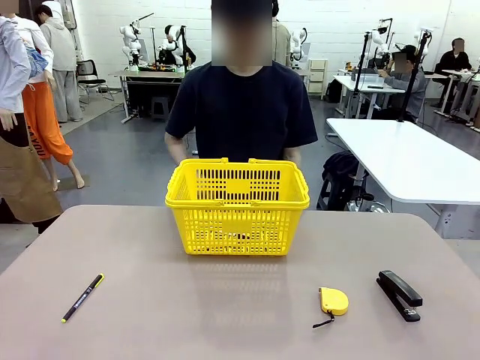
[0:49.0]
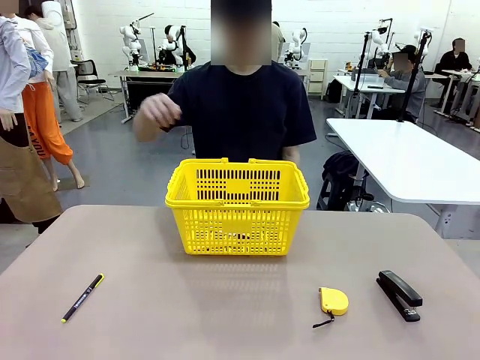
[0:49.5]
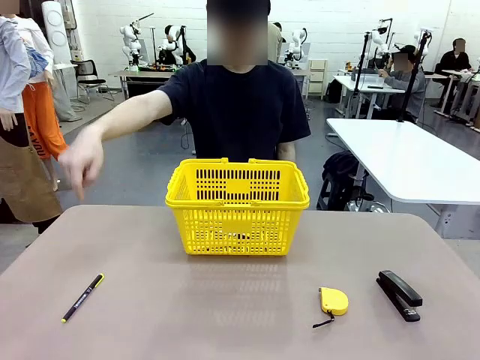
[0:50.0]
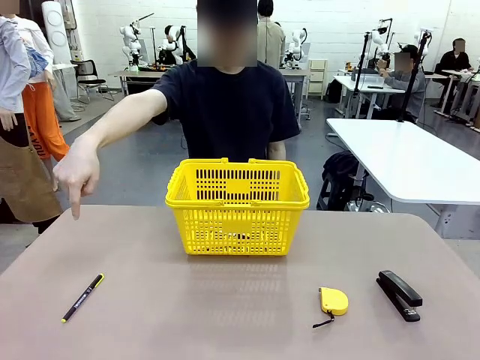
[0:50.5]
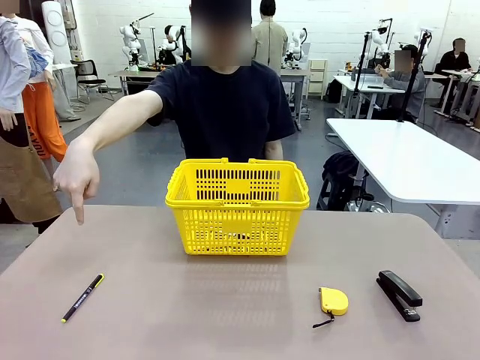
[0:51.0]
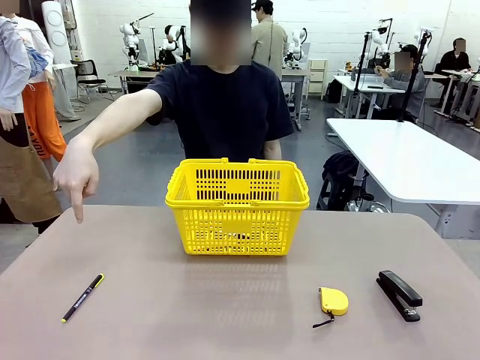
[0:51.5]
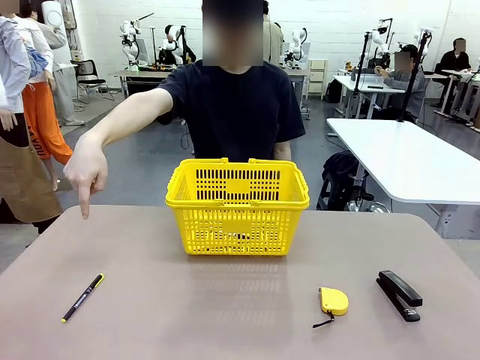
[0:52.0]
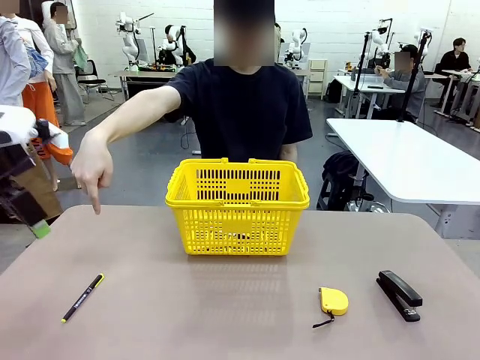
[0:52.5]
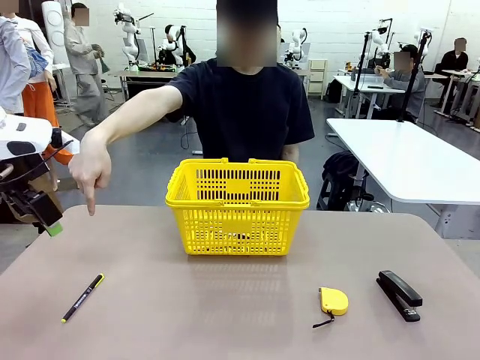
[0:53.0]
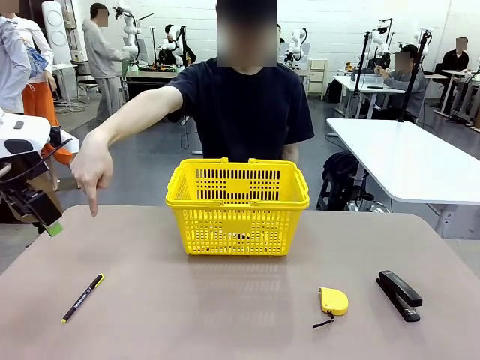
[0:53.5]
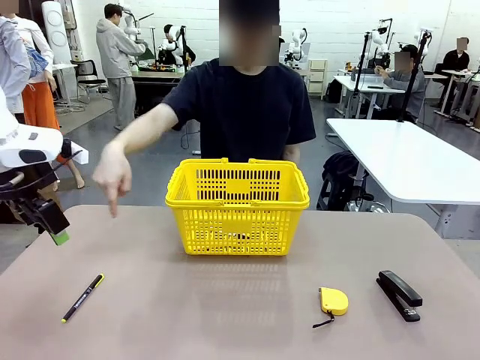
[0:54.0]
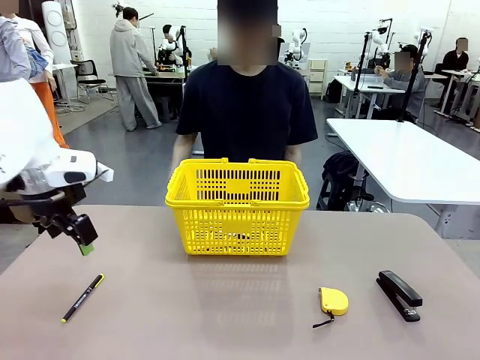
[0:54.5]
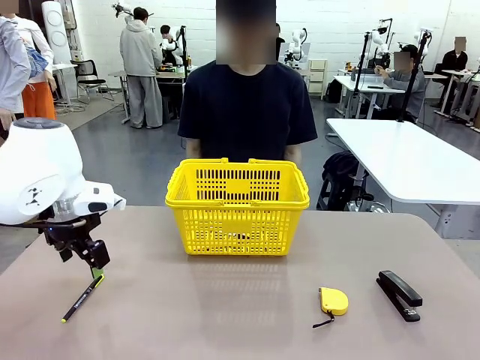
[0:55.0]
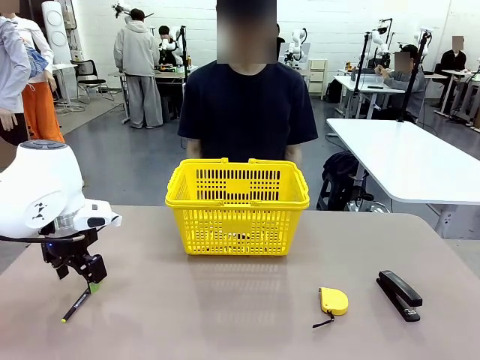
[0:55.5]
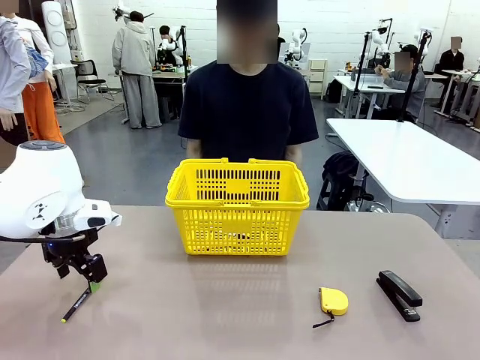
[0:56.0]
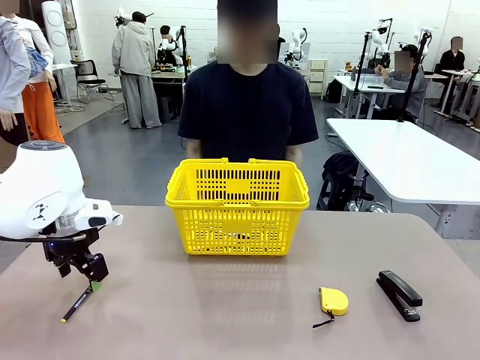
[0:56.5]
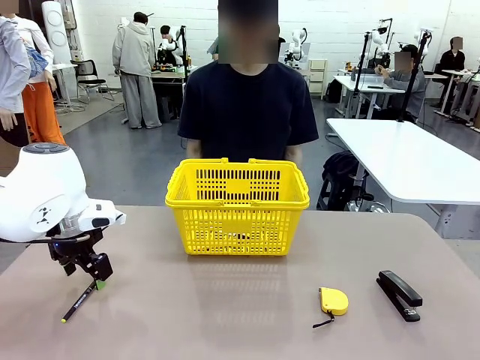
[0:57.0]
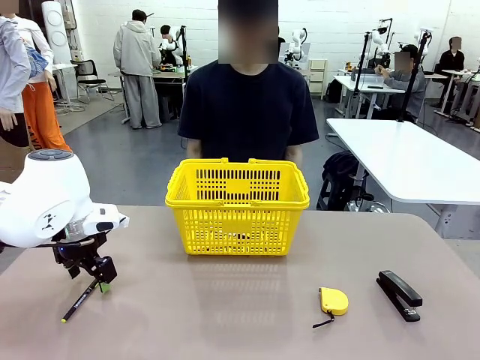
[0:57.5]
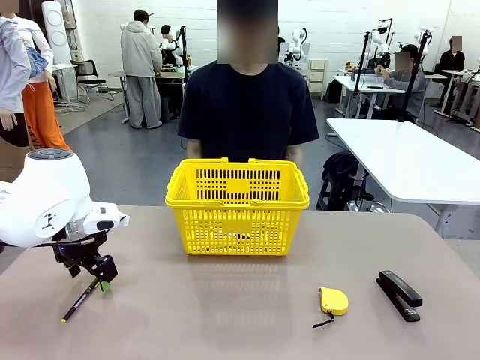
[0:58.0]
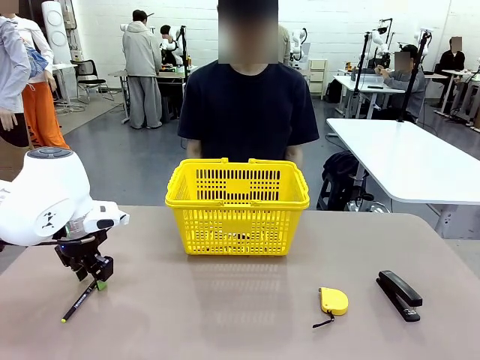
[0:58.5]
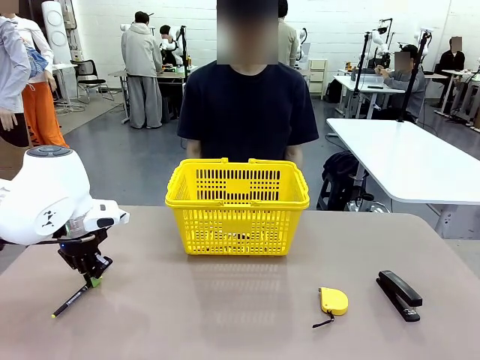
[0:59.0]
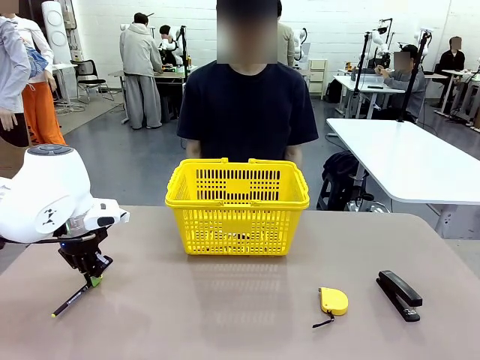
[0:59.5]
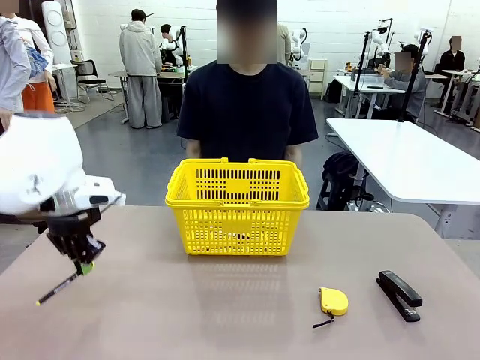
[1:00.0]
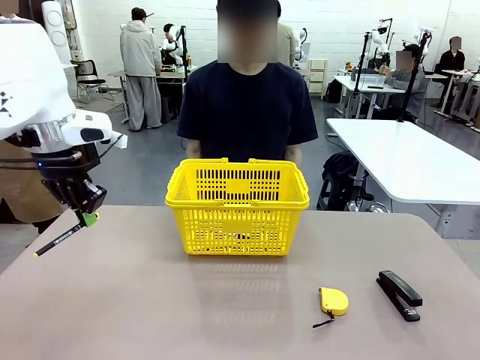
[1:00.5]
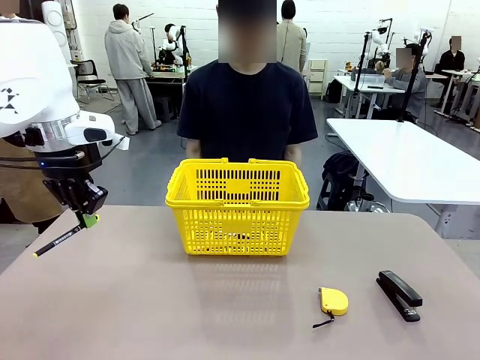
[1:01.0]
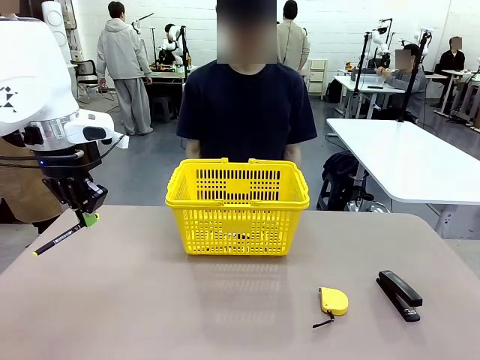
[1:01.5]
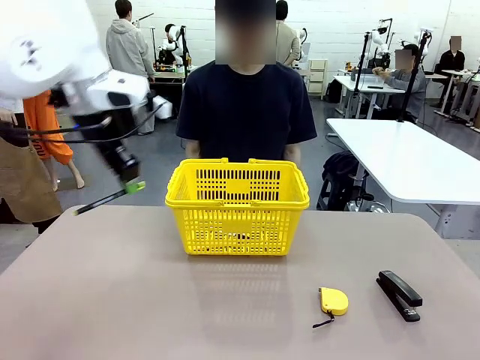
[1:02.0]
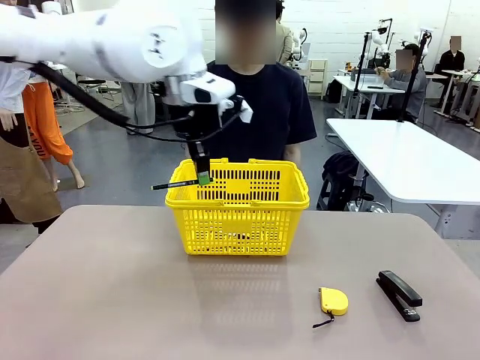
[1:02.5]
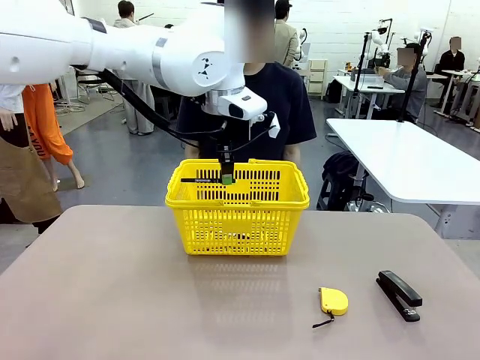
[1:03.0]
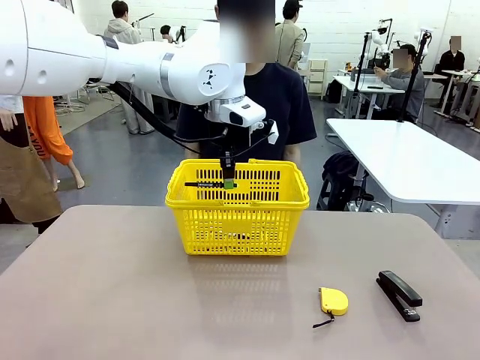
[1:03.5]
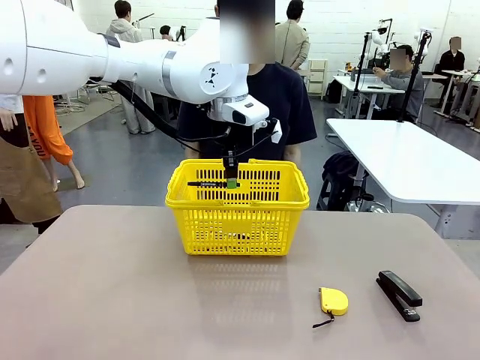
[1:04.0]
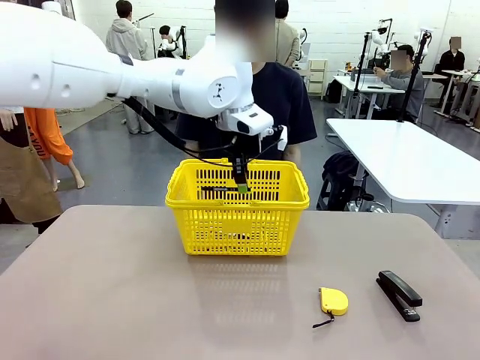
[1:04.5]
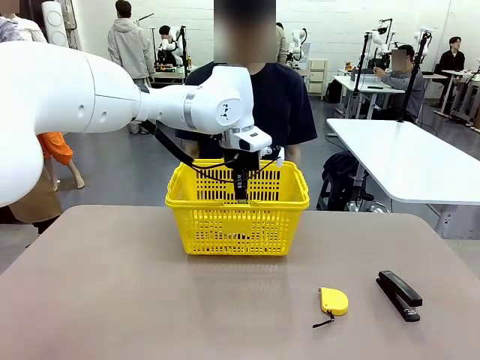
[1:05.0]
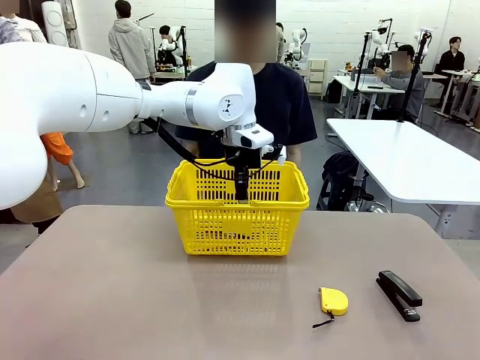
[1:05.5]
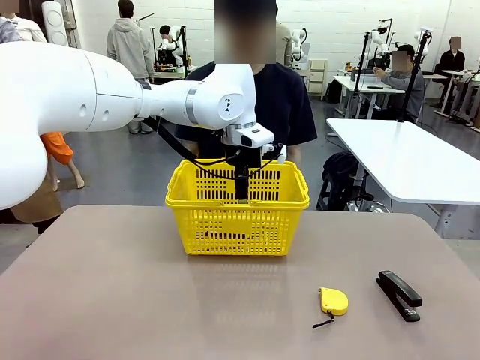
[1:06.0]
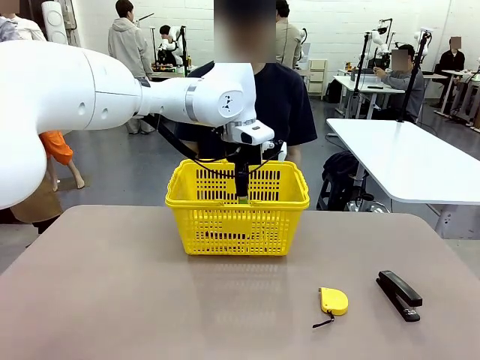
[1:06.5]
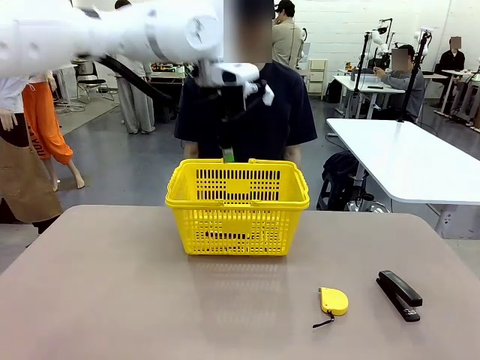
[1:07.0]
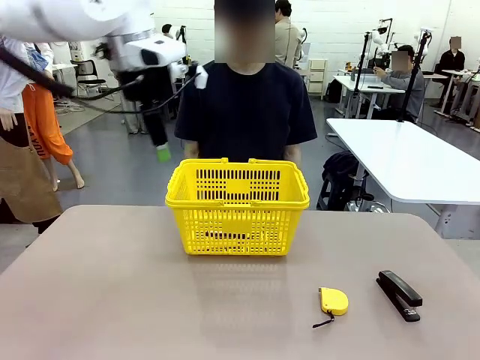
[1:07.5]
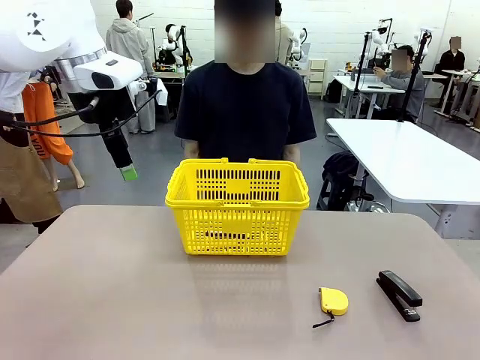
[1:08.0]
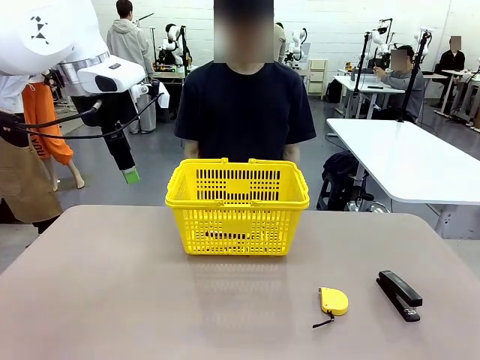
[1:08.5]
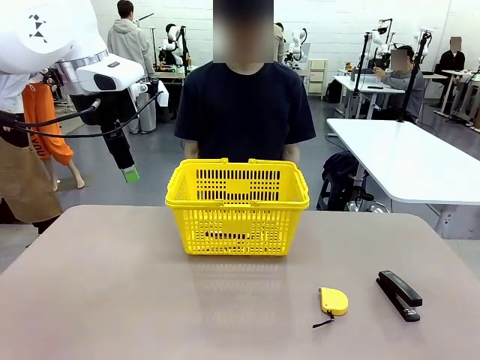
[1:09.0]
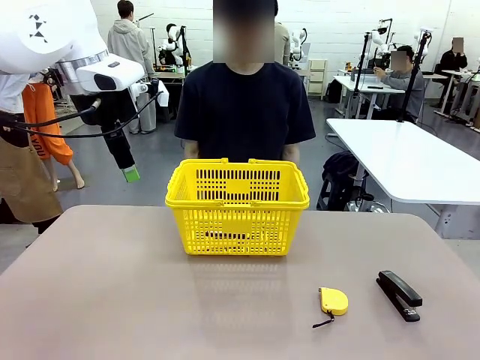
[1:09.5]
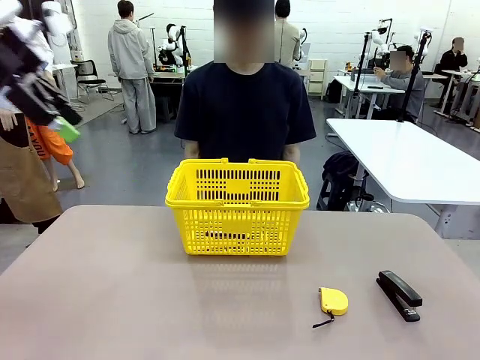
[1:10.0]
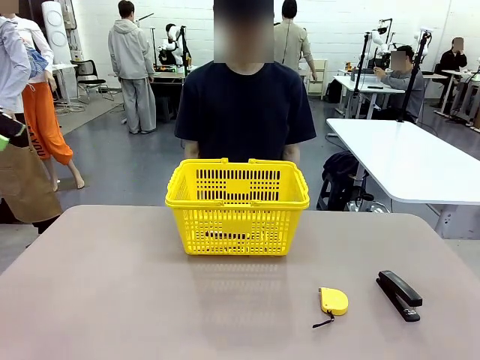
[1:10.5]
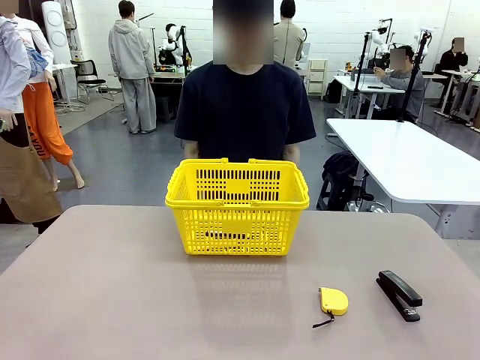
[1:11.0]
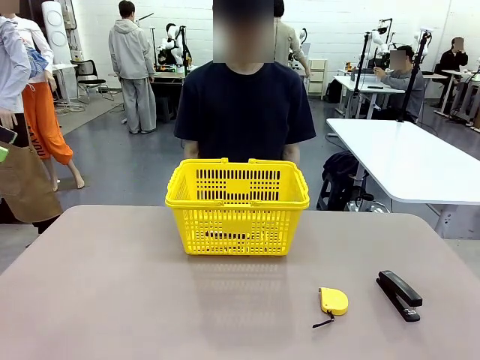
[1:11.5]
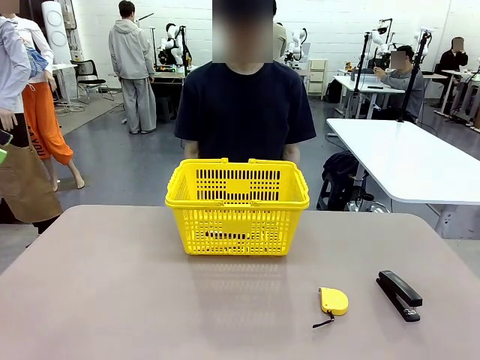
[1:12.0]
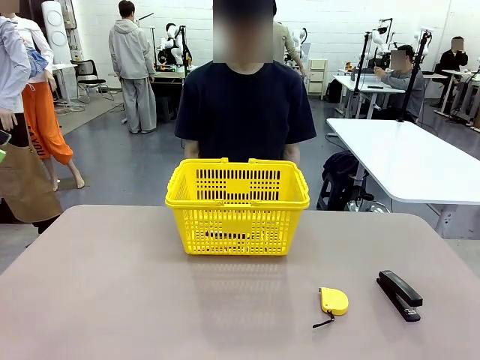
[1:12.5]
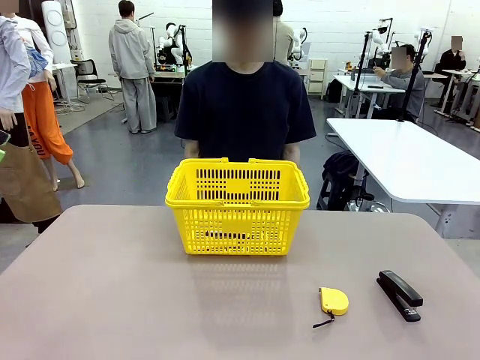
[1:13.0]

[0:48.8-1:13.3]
Task: Place the items the person wants into the basket.
Robot: Pick up the item the person points to and place it in the Market Basket.

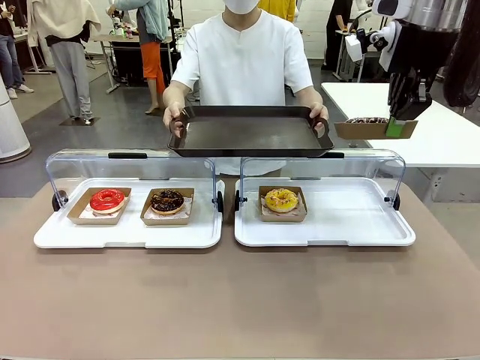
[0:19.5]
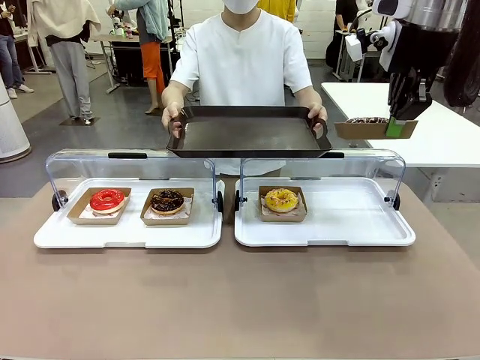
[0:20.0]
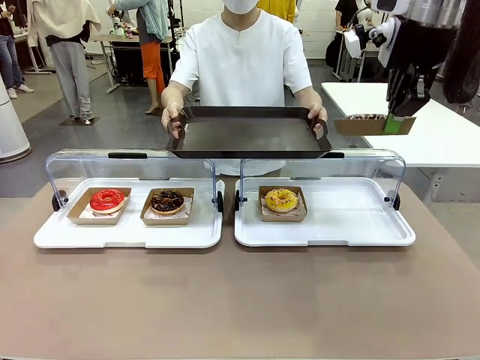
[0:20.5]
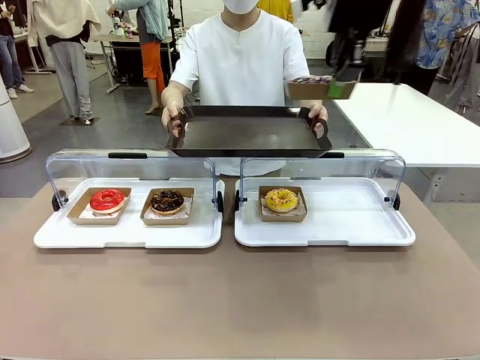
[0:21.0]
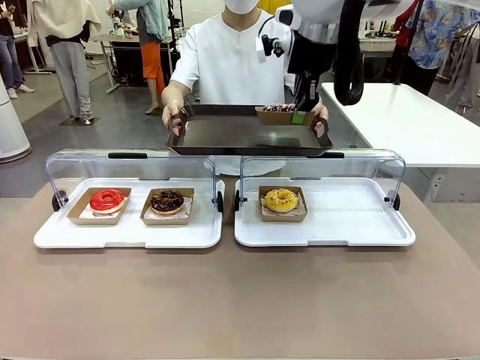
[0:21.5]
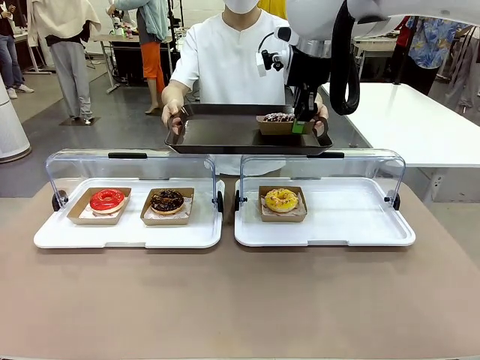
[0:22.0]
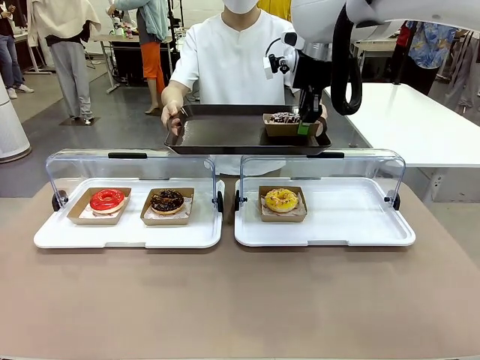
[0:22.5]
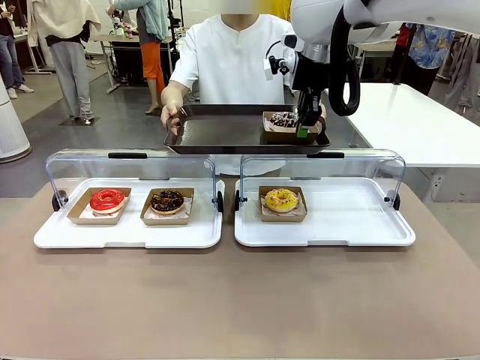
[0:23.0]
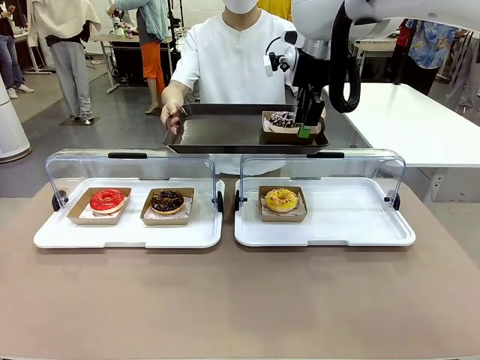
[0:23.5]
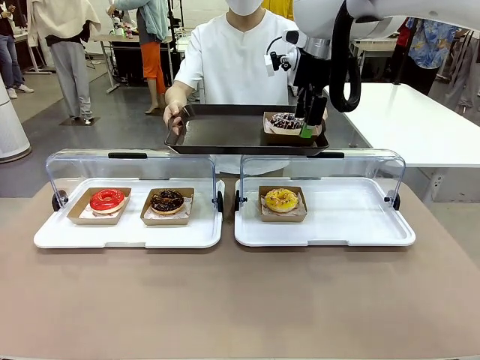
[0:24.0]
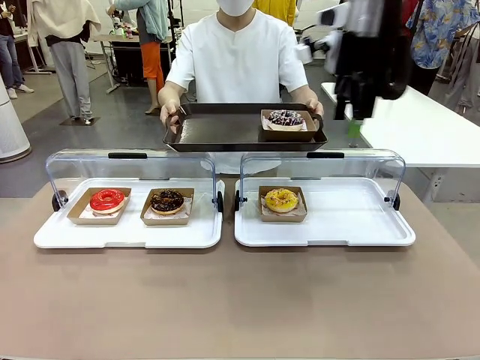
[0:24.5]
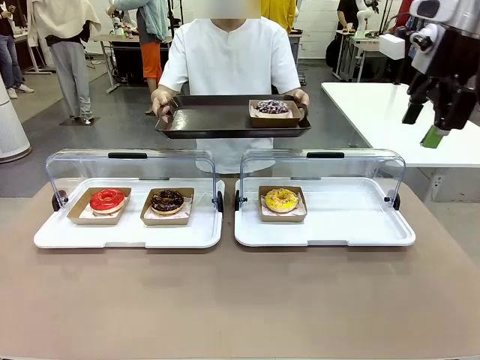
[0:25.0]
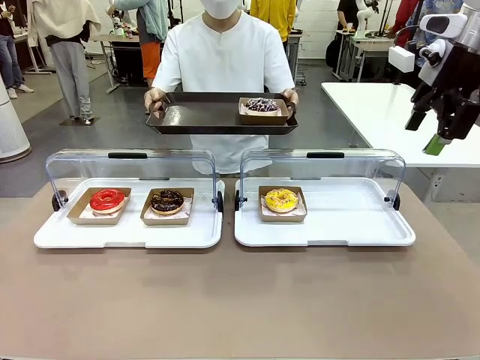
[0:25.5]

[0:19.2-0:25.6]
Task: Provide the desired donut to the person.
Robot: Place the picked Paper togo box onto the Handle tray extended by the person.
